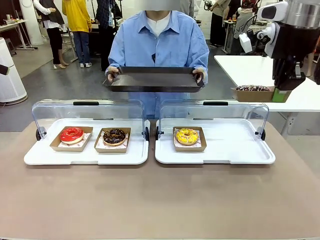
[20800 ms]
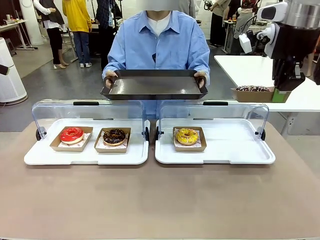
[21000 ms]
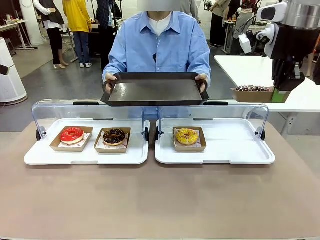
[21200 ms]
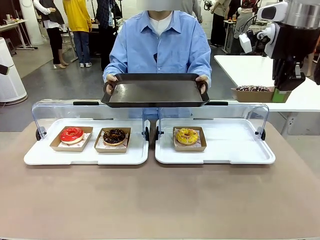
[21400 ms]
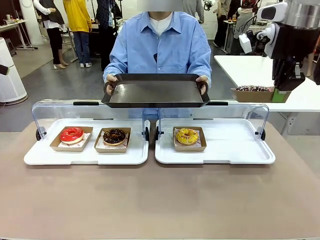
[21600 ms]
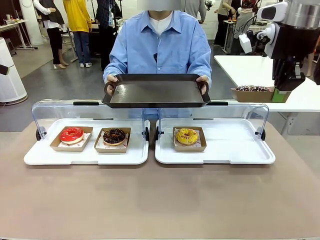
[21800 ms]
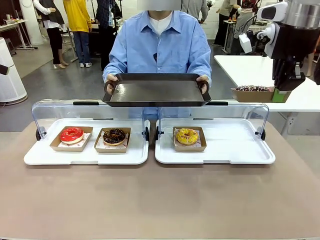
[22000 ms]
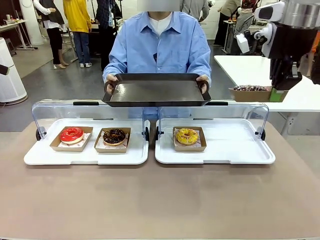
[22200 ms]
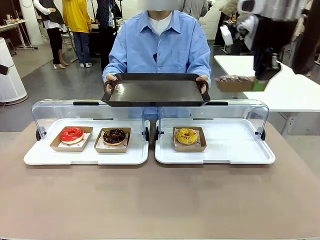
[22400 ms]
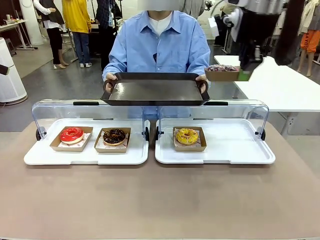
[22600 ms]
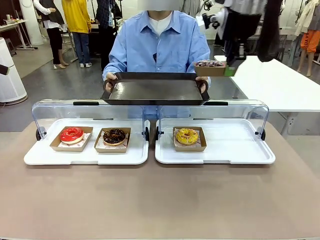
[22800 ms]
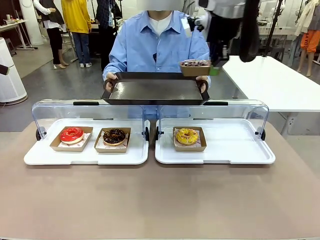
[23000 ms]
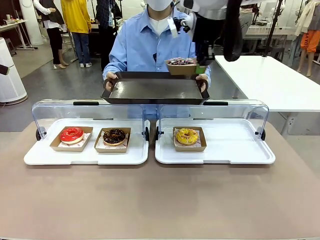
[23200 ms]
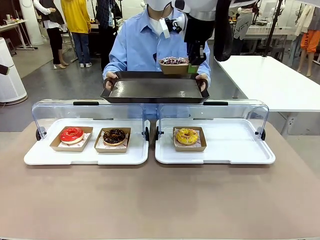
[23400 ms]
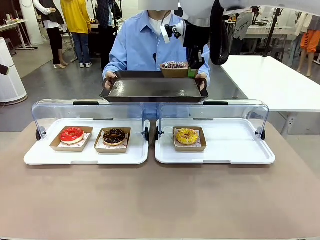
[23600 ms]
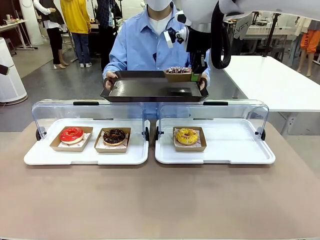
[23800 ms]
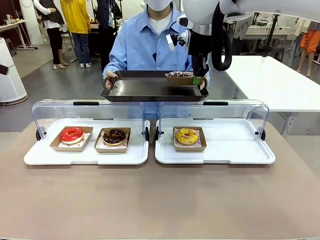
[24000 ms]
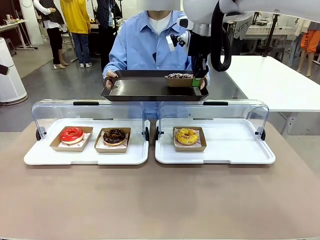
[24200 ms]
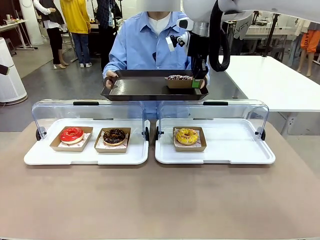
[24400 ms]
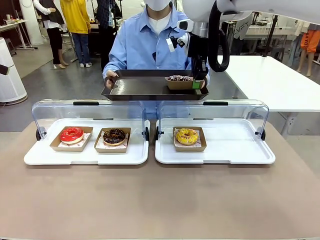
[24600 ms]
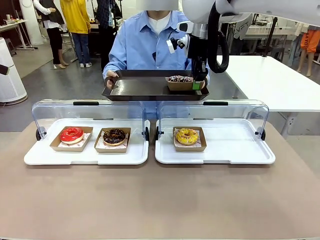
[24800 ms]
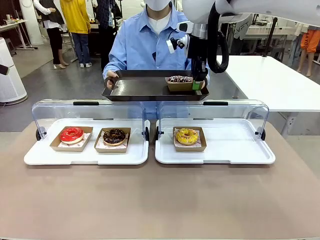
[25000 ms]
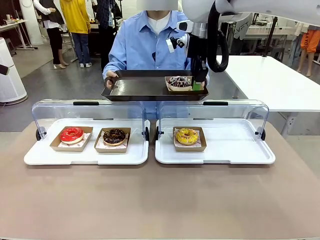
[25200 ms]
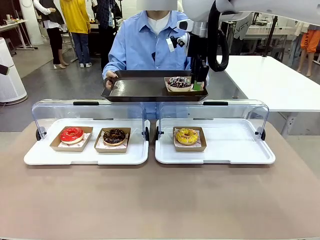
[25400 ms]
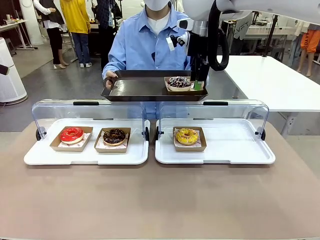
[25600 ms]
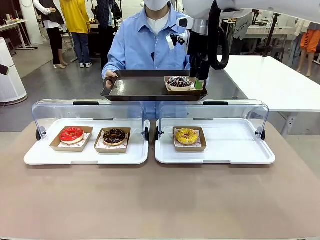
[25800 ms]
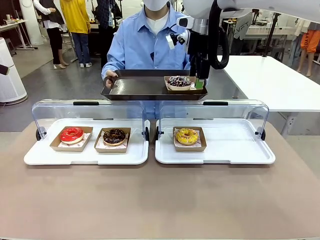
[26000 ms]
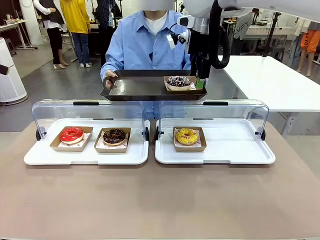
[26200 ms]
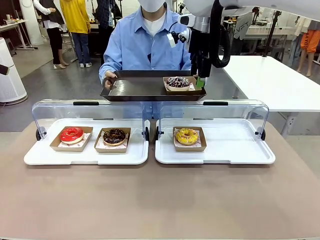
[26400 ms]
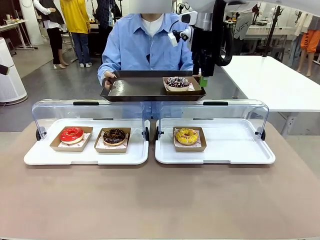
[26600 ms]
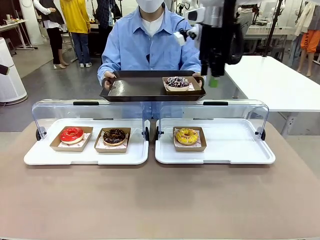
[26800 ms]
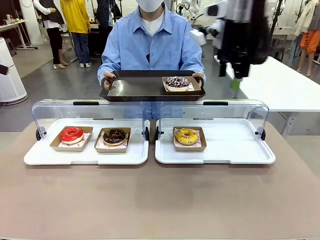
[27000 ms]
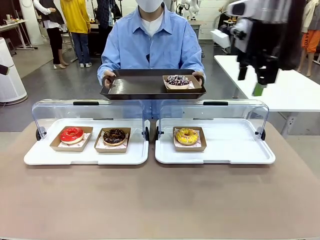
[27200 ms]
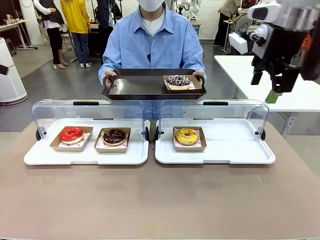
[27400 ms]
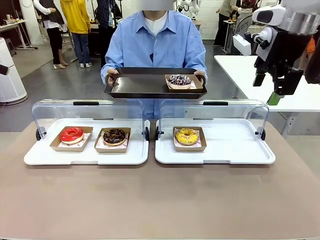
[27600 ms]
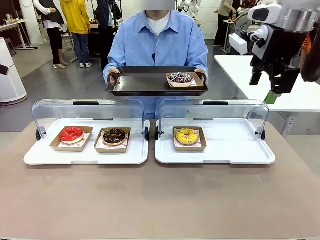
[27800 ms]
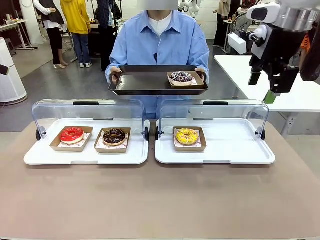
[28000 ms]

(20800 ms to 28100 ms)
Task: Provide the desired donut to the person.
Robot: Place the picked Paper togo box onto the Handle tray extended by the person.

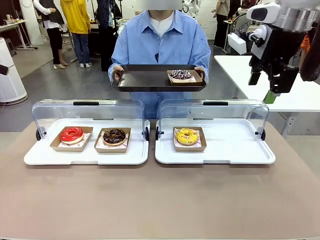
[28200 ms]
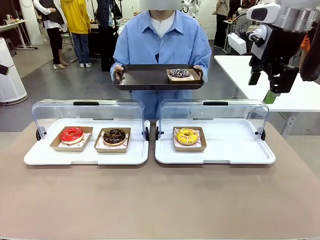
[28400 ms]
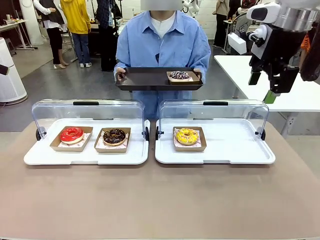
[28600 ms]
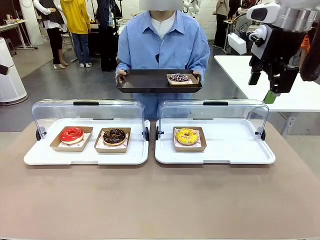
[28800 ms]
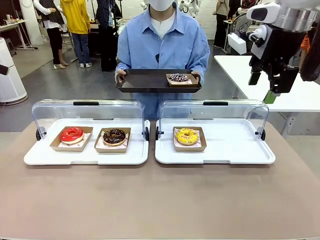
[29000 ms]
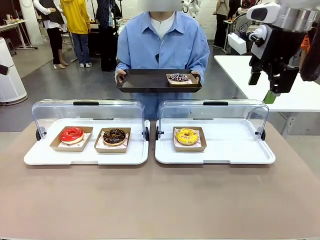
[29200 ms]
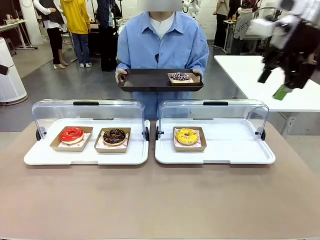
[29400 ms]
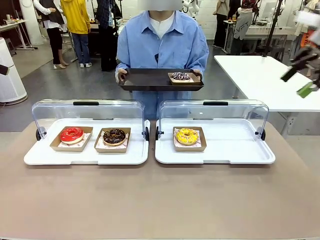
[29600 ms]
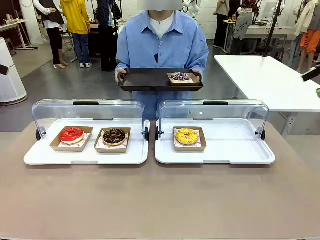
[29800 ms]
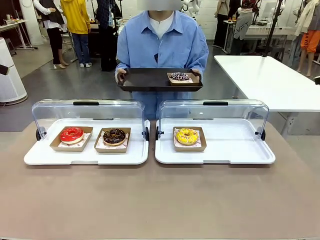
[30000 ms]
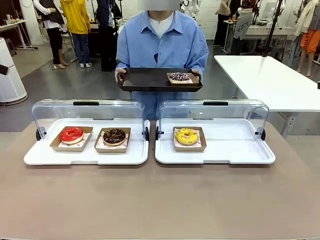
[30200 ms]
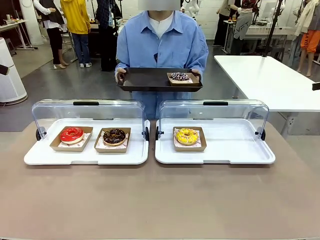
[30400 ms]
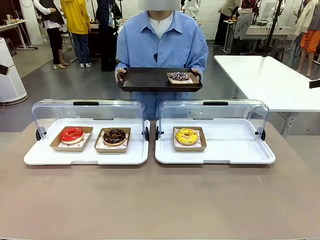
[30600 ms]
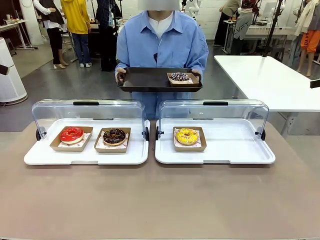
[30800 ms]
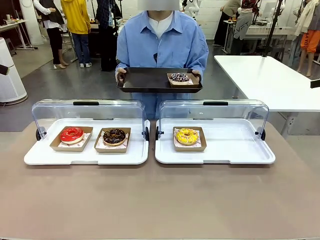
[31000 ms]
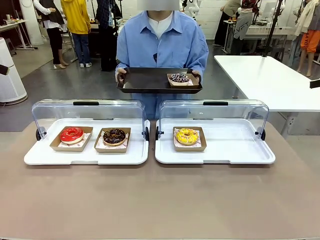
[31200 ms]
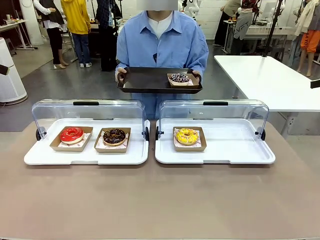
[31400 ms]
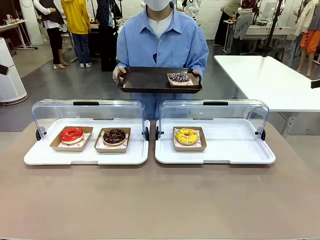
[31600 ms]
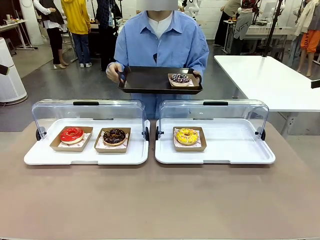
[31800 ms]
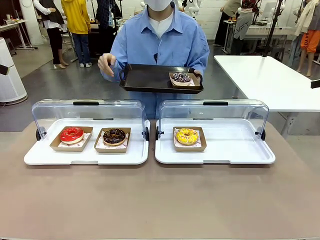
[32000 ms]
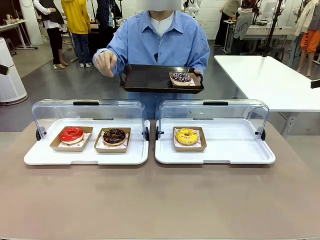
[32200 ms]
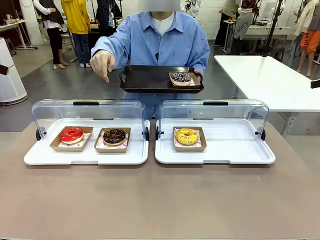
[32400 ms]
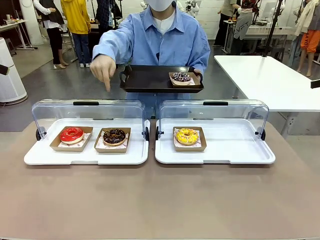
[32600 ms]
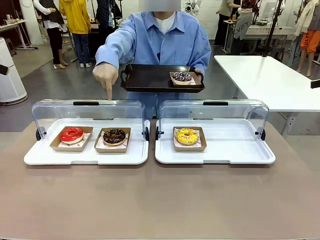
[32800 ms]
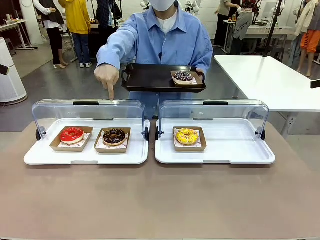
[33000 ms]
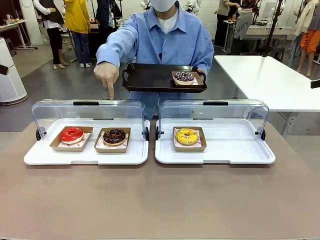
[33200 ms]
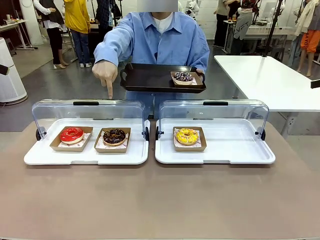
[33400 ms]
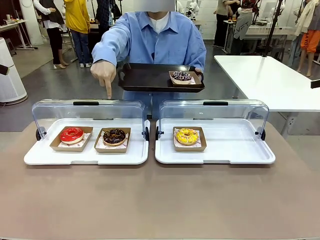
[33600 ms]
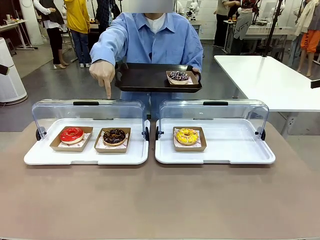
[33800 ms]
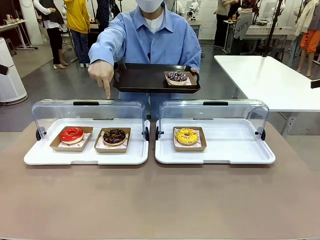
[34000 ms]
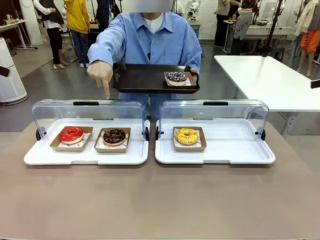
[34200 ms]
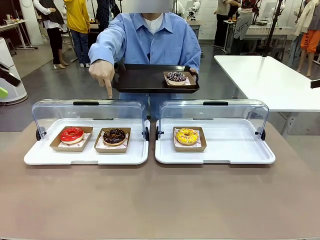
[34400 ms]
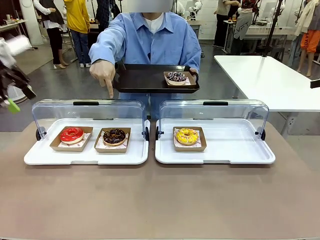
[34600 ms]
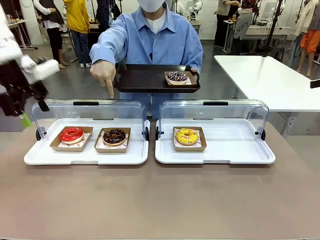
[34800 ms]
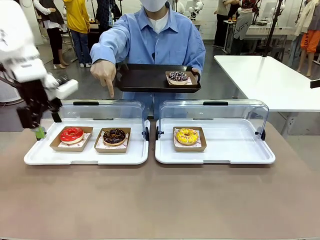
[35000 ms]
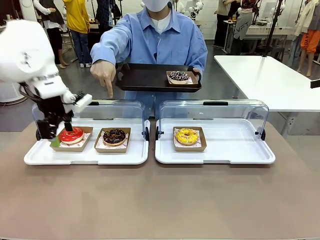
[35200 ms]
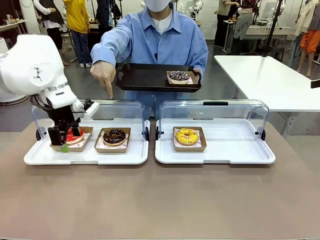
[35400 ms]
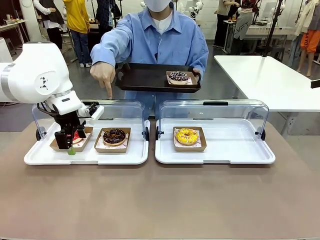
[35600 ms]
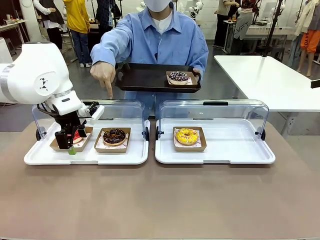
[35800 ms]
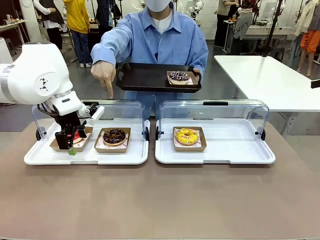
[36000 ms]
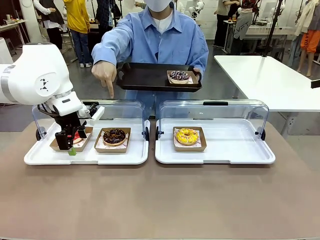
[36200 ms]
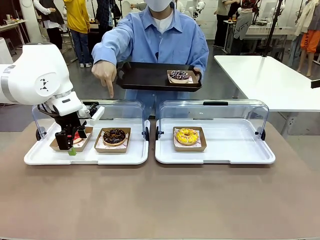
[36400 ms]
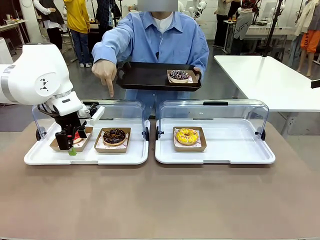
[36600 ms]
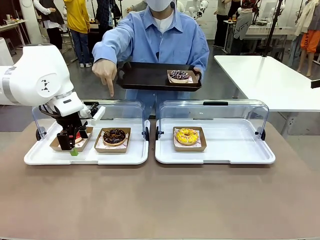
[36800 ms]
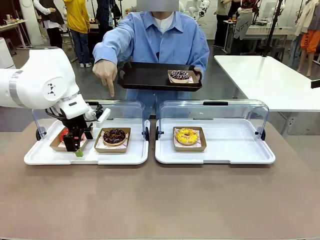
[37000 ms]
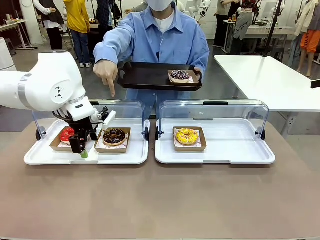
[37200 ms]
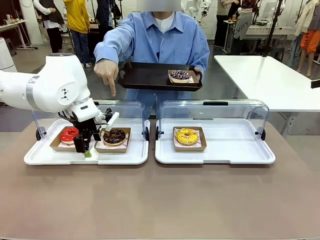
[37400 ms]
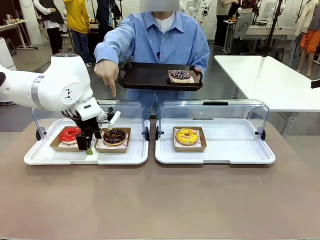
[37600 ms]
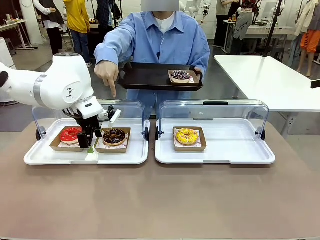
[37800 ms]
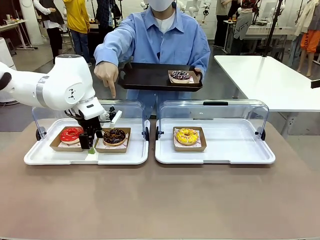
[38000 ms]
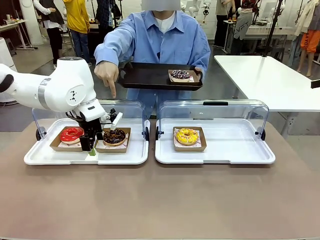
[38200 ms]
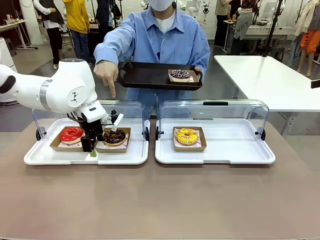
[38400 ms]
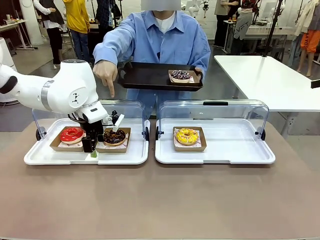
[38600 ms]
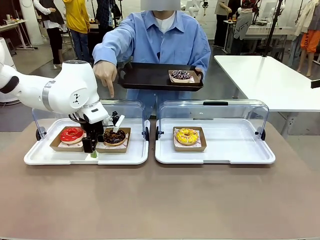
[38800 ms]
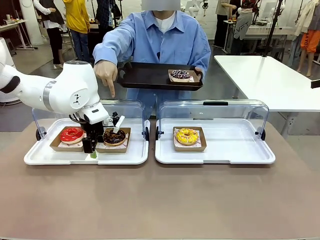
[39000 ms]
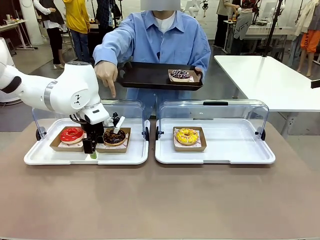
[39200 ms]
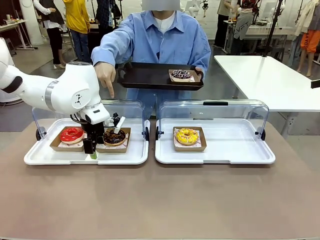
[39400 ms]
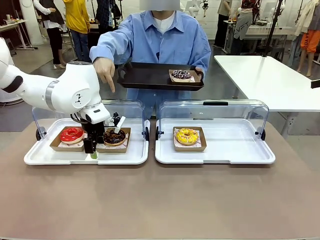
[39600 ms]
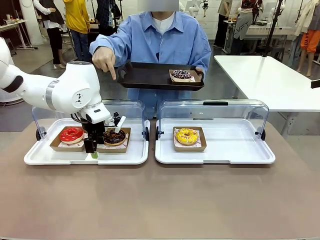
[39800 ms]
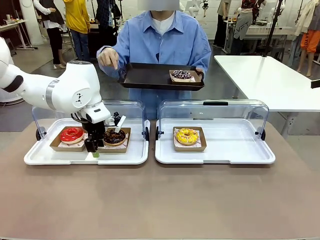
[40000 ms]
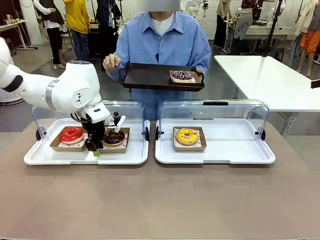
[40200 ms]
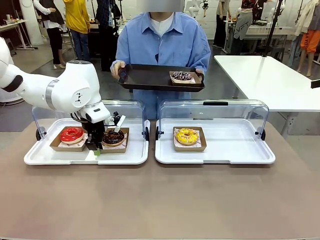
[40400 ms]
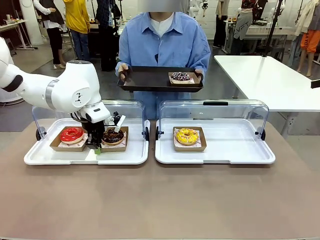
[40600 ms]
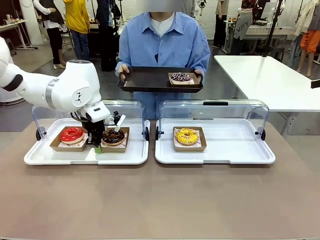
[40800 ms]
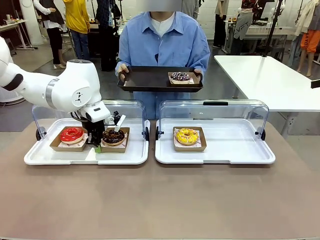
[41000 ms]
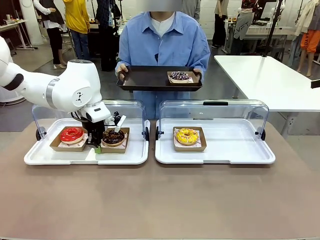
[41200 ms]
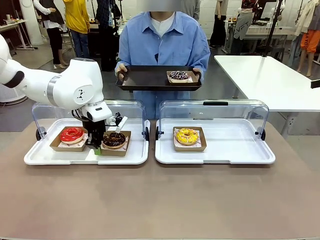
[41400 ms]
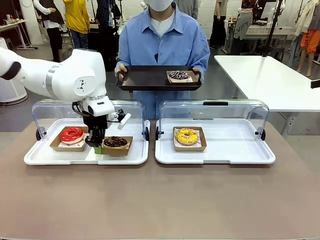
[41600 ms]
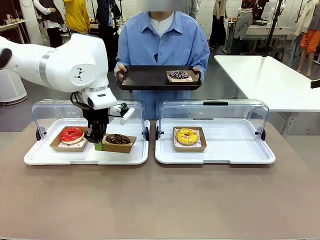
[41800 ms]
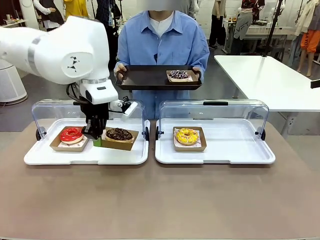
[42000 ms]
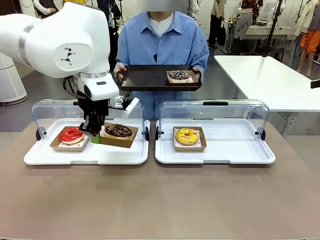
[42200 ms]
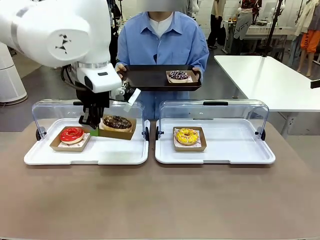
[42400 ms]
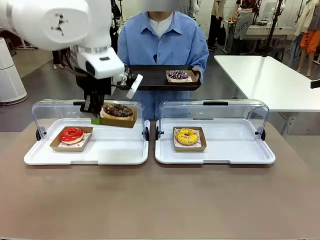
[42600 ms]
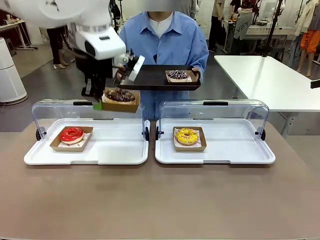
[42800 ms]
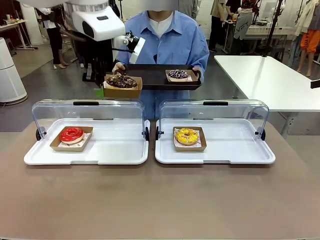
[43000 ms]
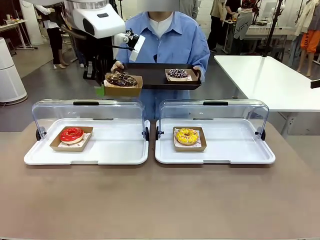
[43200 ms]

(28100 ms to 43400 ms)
Robot: Pick up and lift the Paper togo box containing the Donut pointed at by the person.
Person: Point to one donut. Lift the tray onto the Roll-Top Bakery Case.
